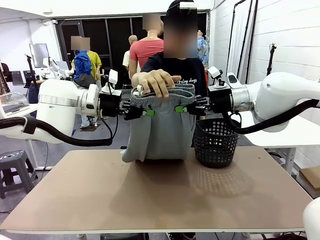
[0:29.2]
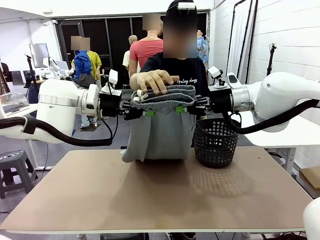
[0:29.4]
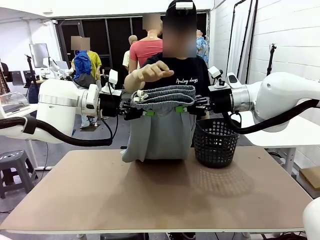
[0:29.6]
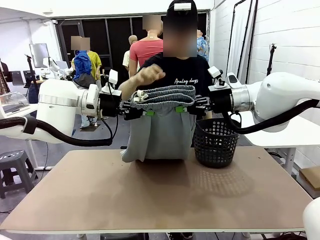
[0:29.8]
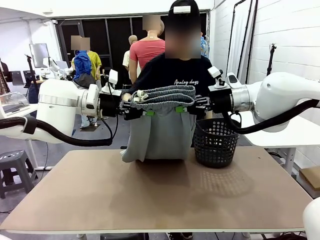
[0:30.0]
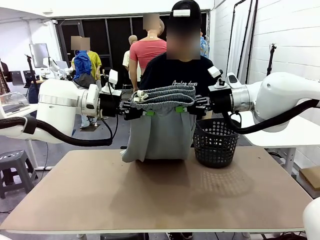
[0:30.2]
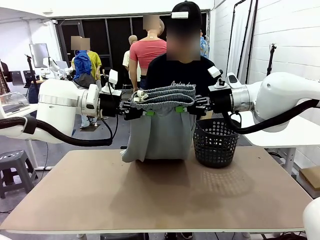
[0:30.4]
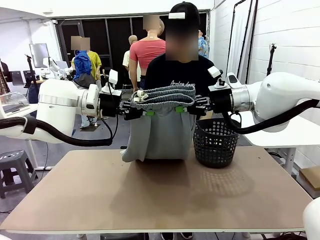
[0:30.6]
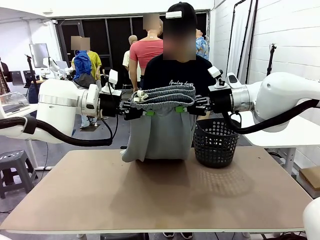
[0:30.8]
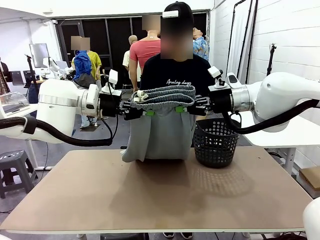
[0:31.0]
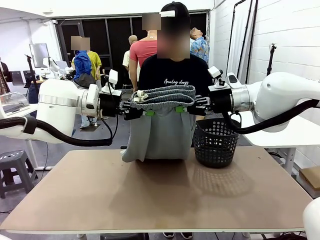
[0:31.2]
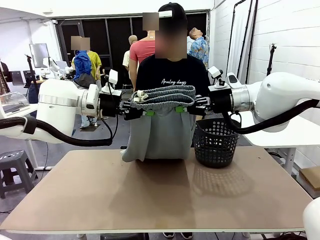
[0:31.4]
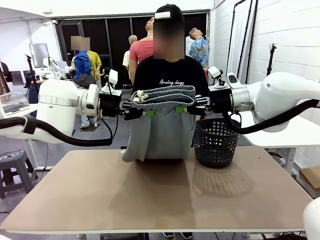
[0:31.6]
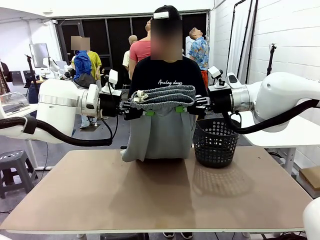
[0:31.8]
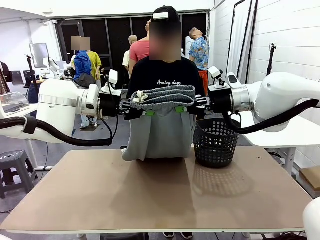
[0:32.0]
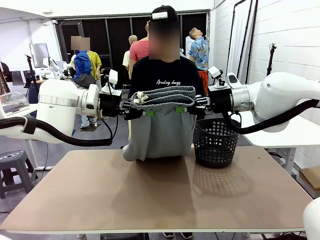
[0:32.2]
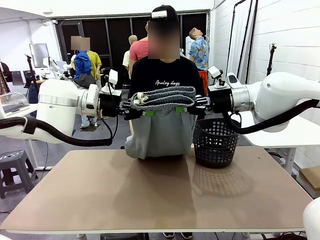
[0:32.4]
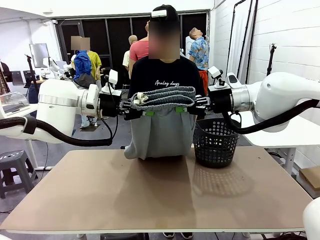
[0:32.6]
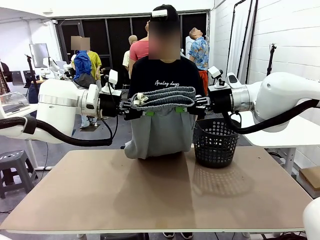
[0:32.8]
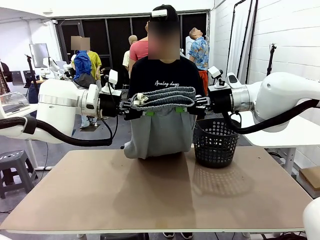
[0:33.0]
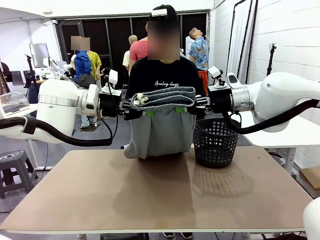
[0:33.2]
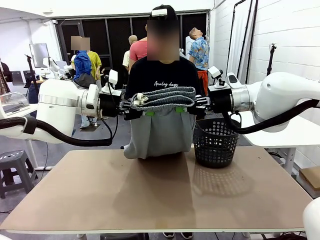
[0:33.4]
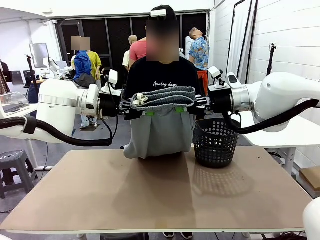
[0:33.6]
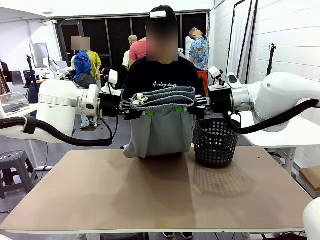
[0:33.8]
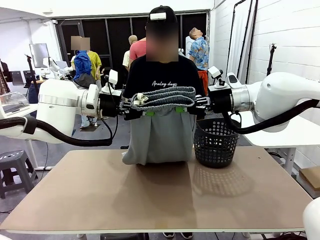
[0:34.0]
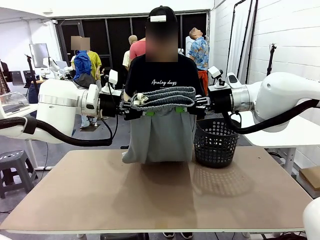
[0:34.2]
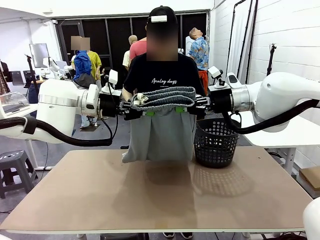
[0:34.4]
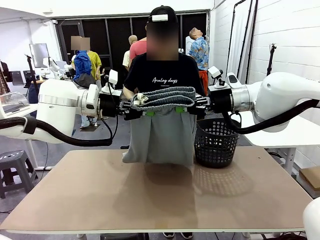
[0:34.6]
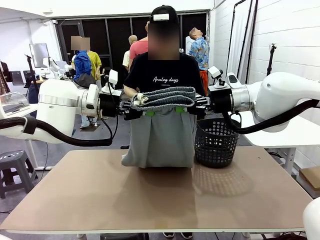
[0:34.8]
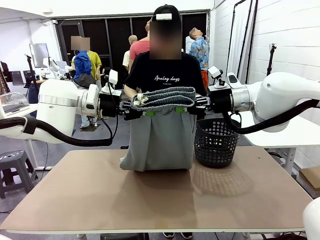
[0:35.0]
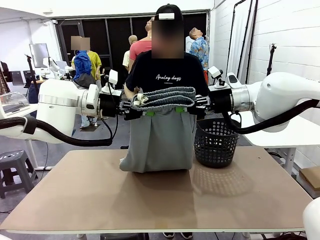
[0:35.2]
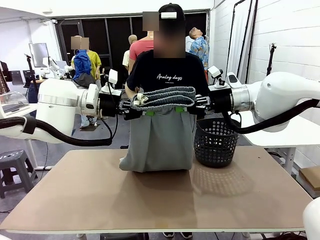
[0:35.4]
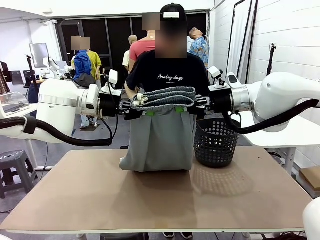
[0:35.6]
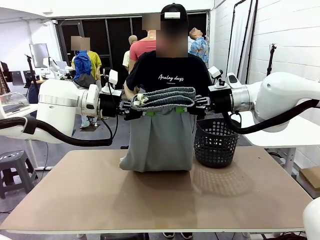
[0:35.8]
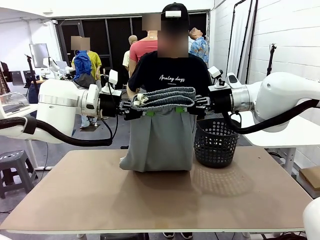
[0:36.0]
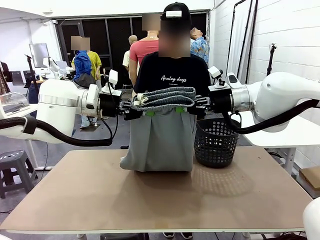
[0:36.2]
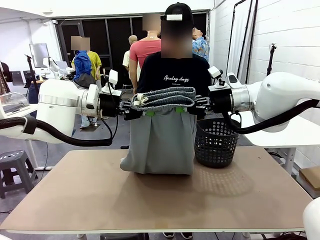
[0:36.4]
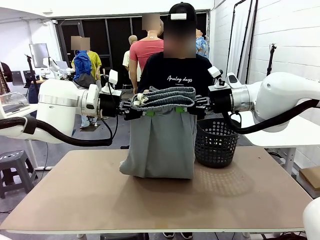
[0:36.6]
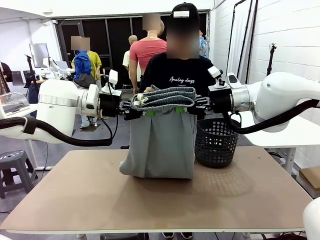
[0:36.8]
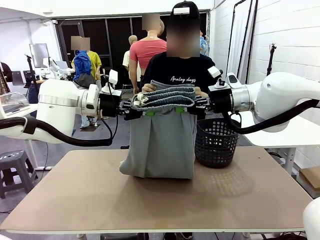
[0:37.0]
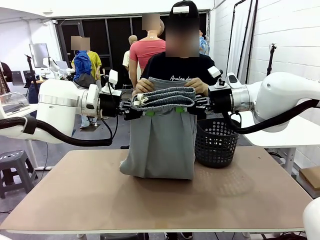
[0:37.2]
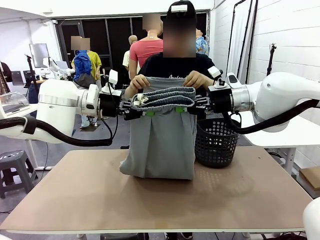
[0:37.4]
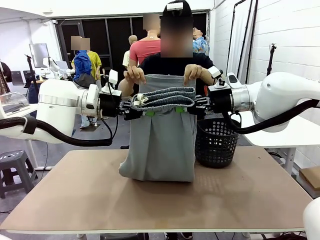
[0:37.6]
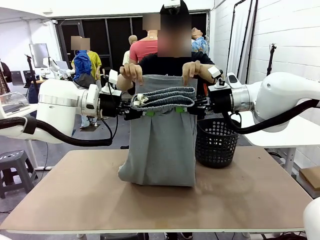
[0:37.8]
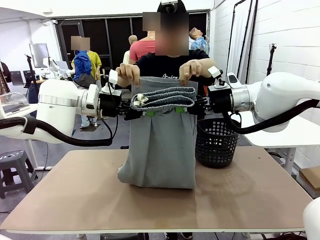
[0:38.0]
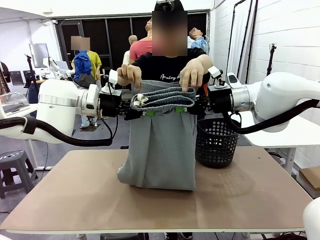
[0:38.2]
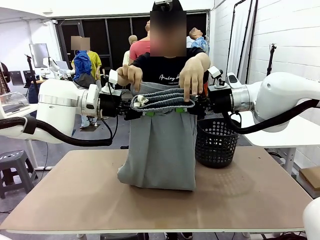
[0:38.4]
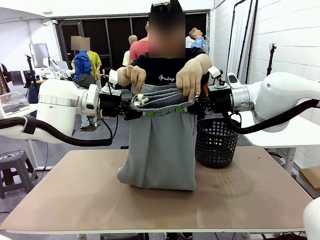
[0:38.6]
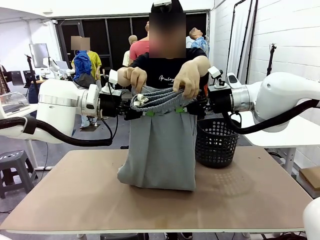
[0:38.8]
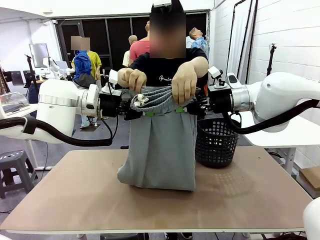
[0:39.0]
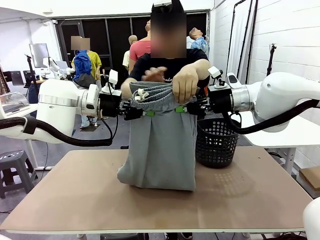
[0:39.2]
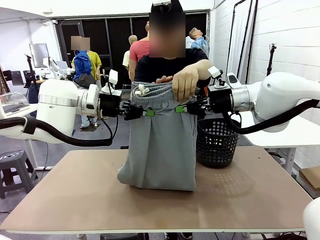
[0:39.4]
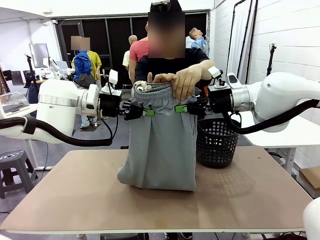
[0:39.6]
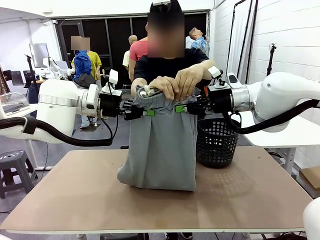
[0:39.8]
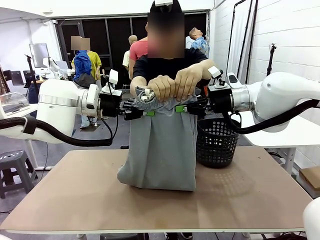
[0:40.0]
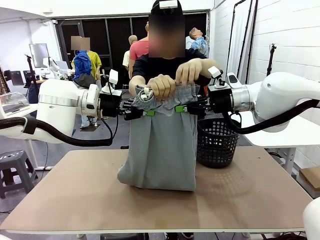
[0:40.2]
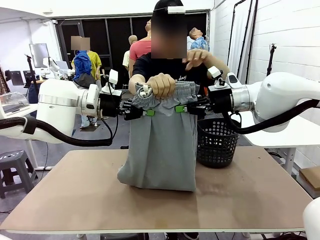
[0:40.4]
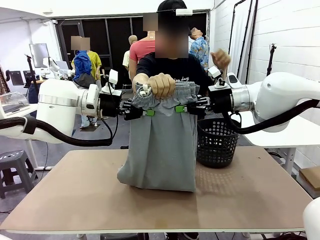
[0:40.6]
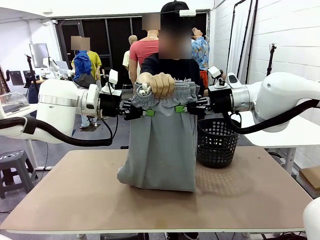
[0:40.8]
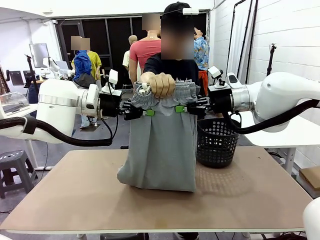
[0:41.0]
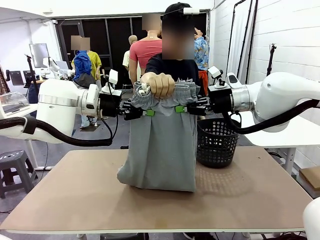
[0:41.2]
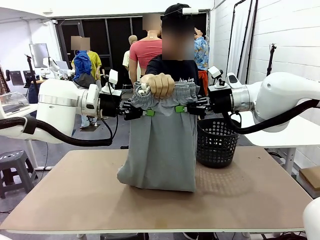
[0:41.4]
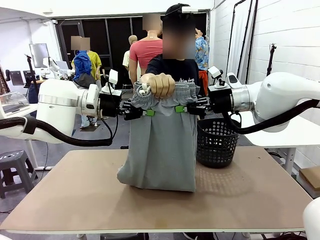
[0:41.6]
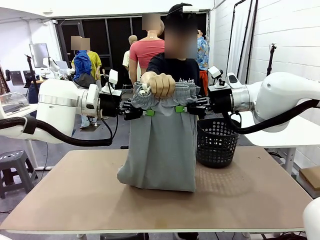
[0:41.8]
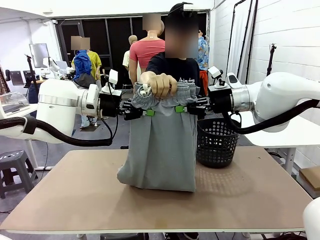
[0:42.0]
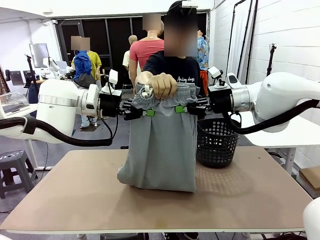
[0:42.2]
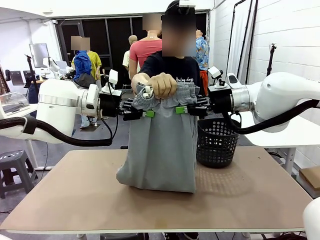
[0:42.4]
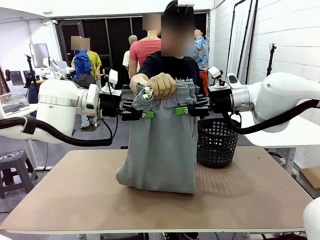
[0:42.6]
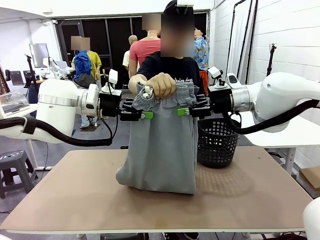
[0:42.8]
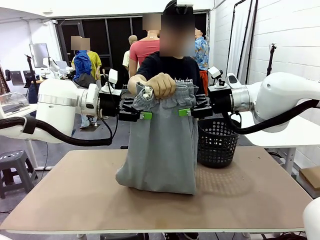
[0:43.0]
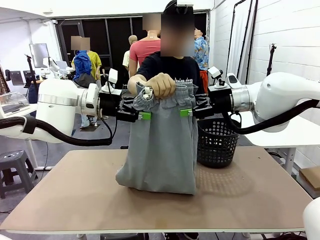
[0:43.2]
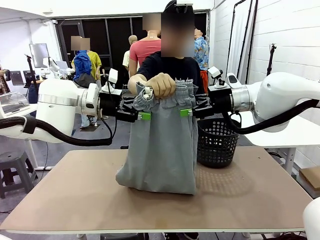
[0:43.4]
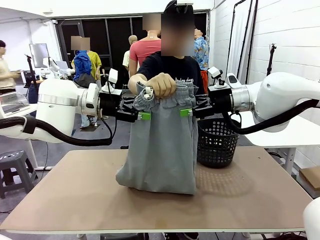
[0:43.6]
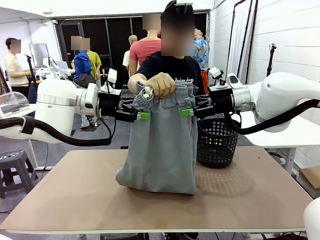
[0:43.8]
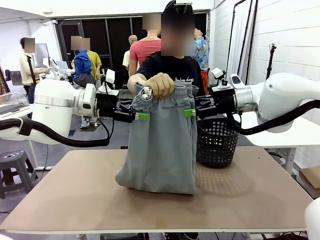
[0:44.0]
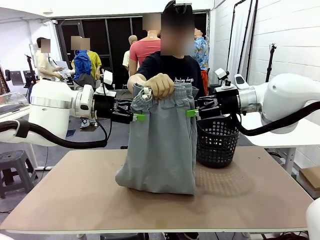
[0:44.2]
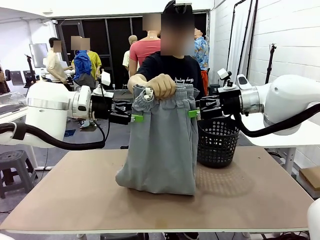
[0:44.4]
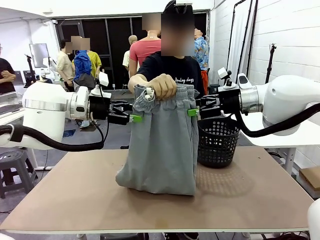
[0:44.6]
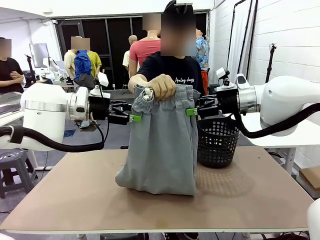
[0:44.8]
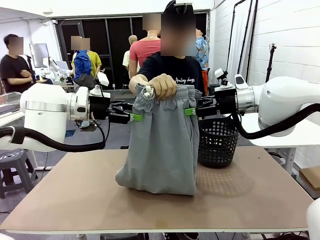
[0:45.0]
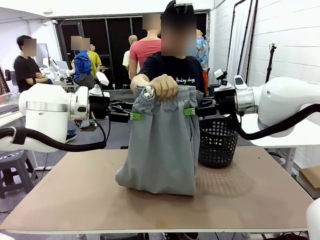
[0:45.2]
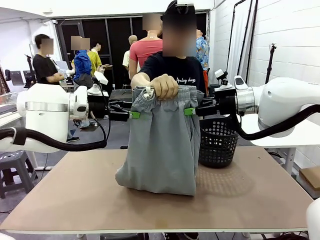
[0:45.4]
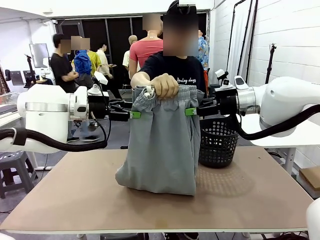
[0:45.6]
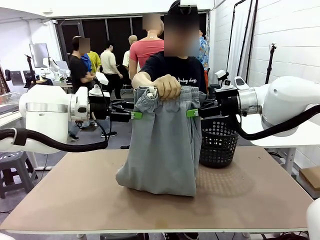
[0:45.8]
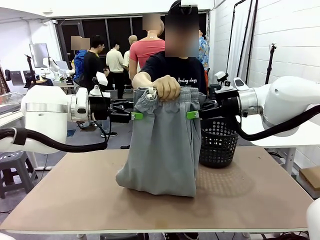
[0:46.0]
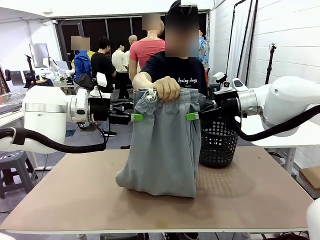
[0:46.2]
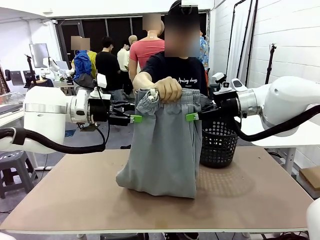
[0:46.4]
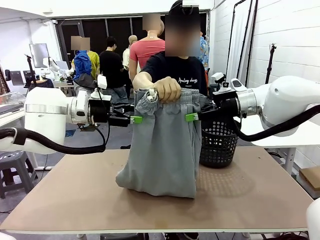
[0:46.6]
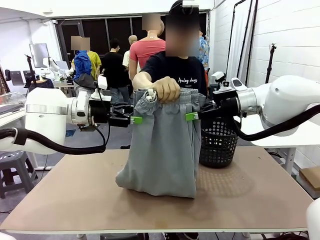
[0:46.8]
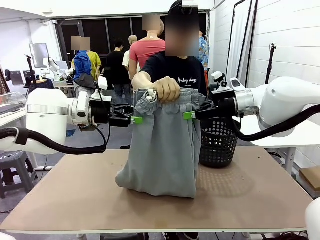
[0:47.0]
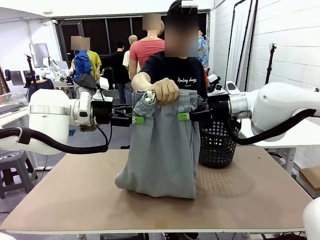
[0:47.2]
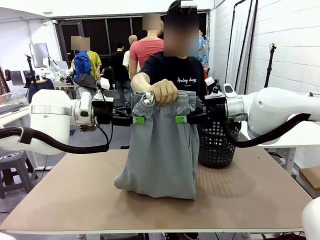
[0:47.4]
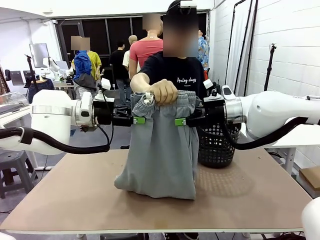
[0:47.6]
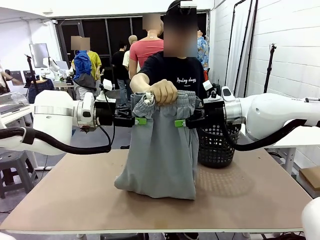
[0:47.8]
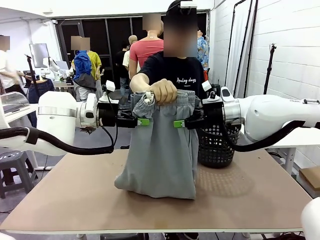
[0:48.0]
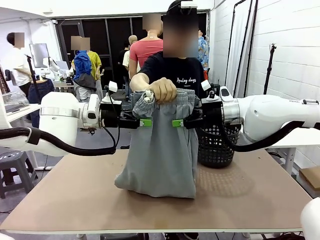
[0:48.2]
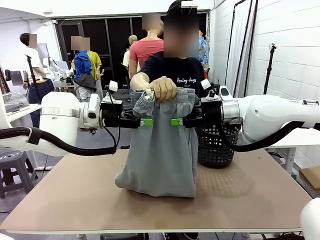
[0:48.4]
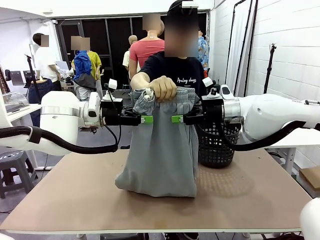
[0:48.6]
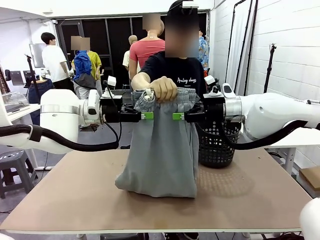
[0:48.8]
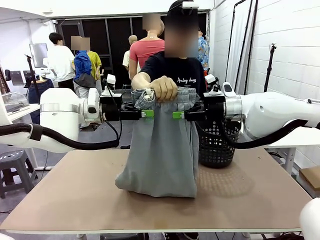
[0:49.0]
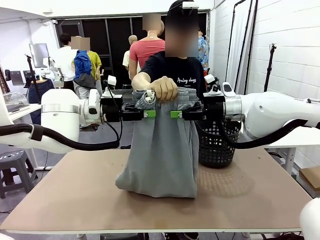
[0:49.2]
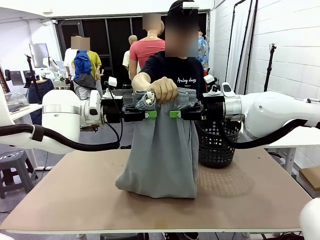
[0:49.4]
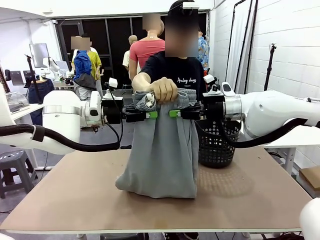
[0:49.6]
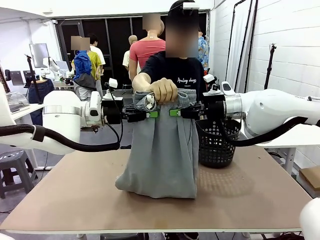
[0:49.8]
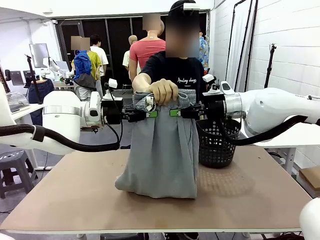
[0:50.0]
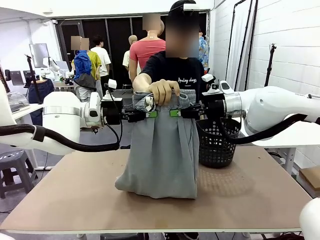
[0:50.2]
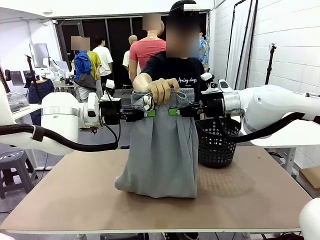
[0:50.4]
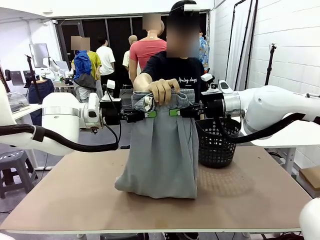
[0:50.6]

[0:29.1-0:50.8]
Task: Fold the training pants.
Robot: Release the ends of the Training pants and then grab the overlapped ends.
Person: Grasp the end opposite the point the robot is holding, fold the pants in half, and then grasp the overlapping top end of the folded pants. Release the pants you were holding.
